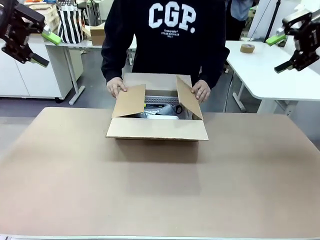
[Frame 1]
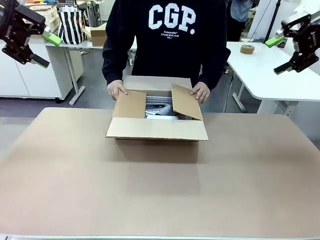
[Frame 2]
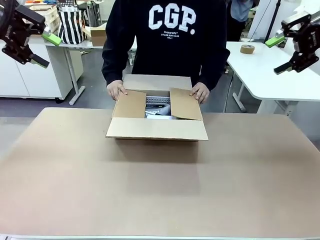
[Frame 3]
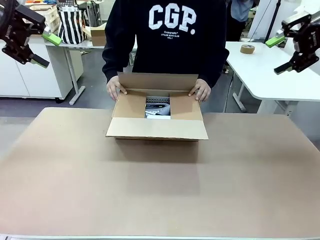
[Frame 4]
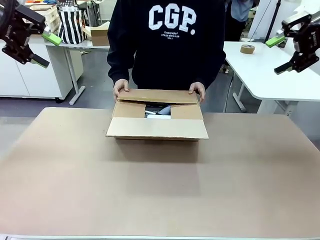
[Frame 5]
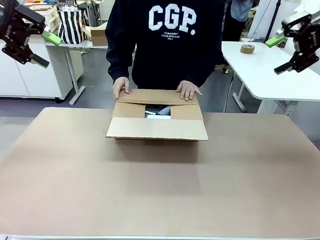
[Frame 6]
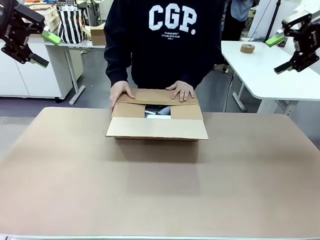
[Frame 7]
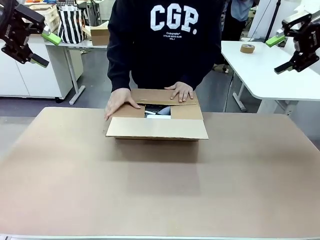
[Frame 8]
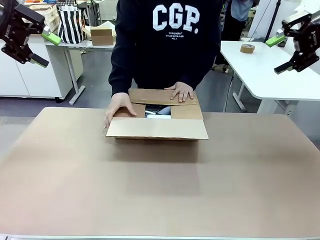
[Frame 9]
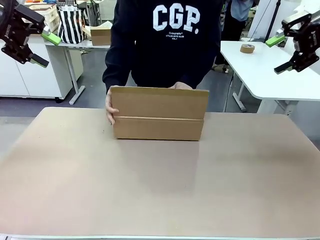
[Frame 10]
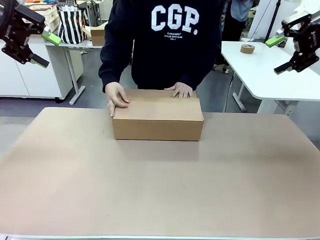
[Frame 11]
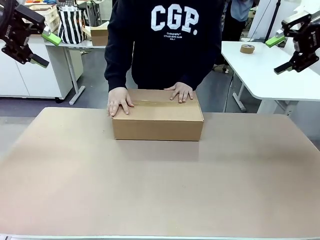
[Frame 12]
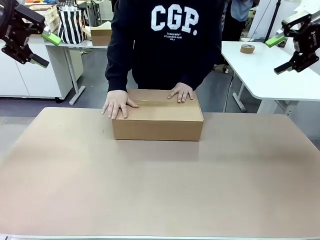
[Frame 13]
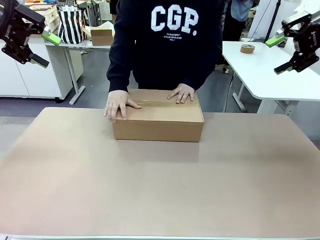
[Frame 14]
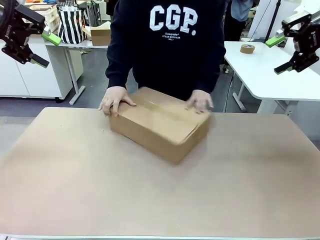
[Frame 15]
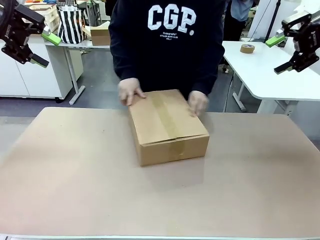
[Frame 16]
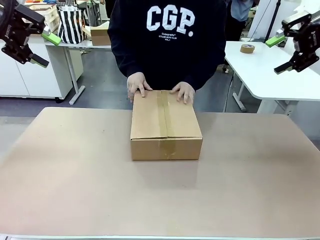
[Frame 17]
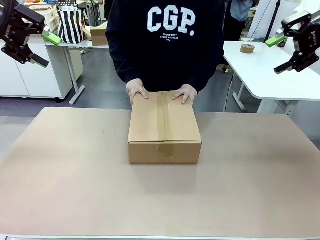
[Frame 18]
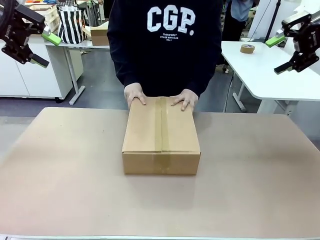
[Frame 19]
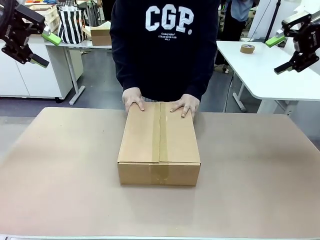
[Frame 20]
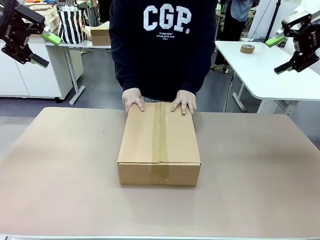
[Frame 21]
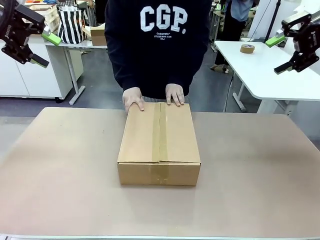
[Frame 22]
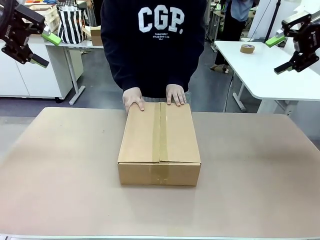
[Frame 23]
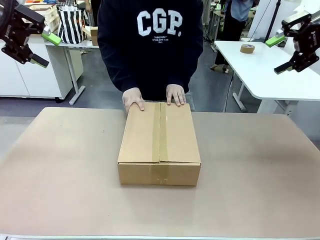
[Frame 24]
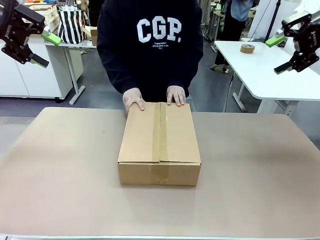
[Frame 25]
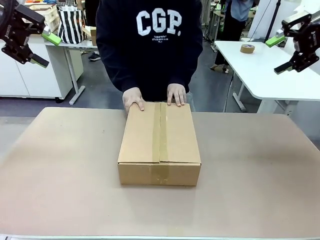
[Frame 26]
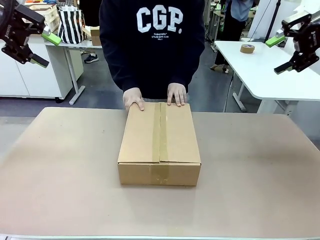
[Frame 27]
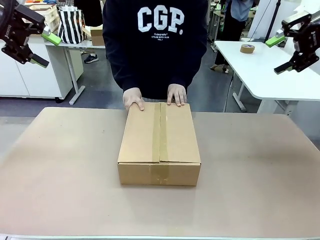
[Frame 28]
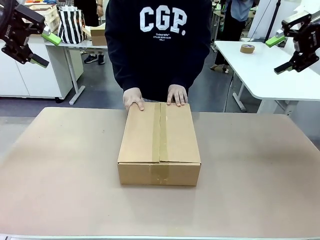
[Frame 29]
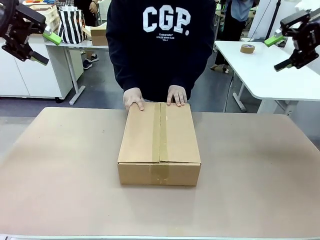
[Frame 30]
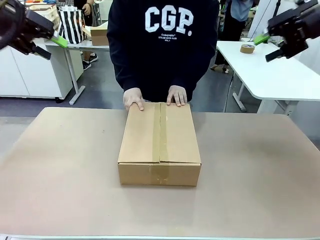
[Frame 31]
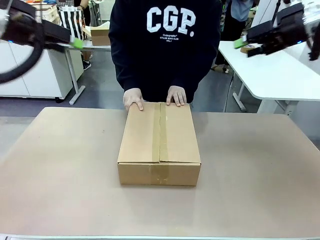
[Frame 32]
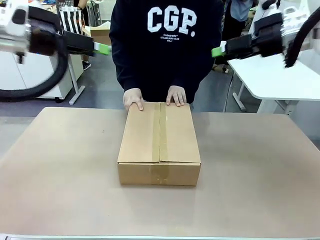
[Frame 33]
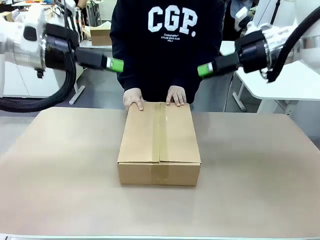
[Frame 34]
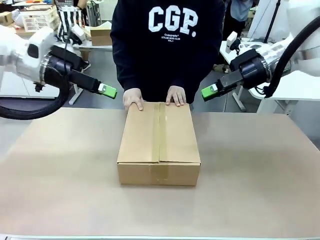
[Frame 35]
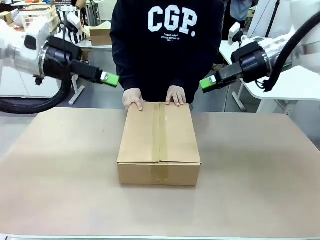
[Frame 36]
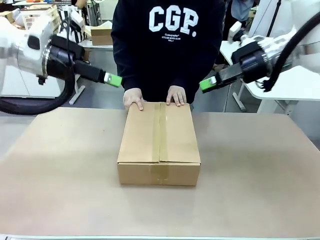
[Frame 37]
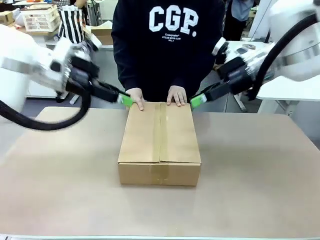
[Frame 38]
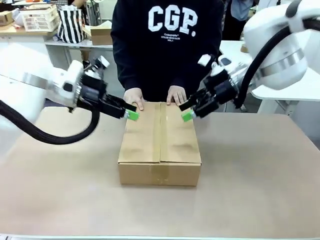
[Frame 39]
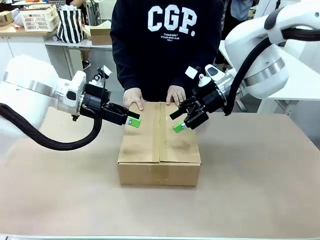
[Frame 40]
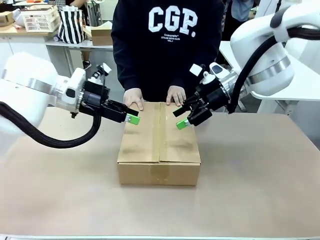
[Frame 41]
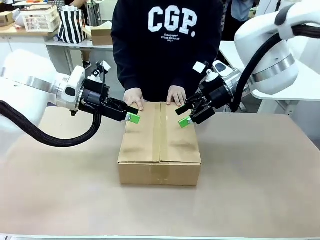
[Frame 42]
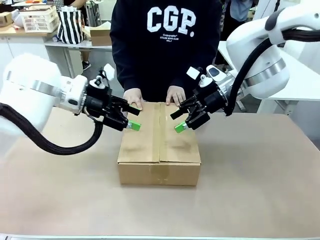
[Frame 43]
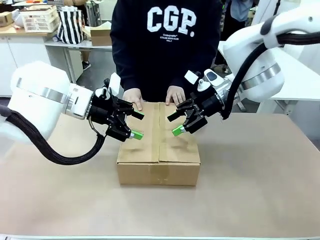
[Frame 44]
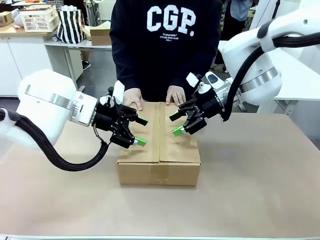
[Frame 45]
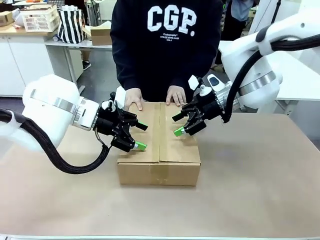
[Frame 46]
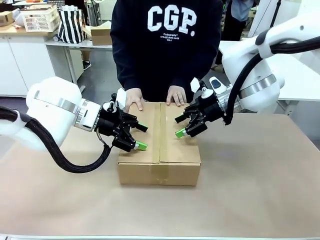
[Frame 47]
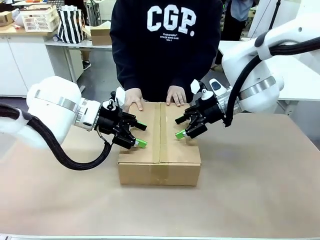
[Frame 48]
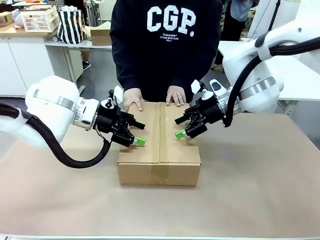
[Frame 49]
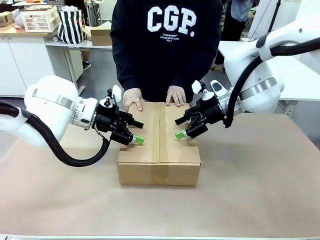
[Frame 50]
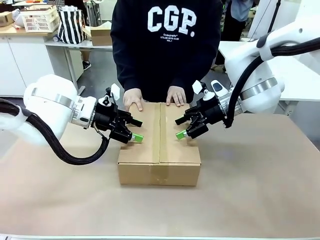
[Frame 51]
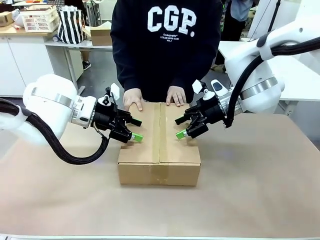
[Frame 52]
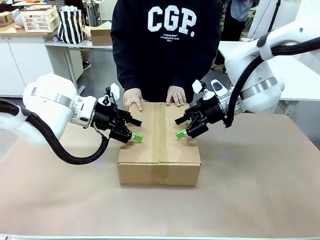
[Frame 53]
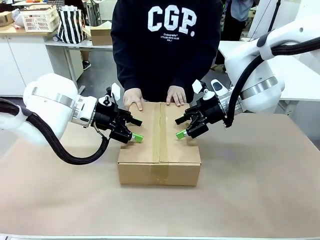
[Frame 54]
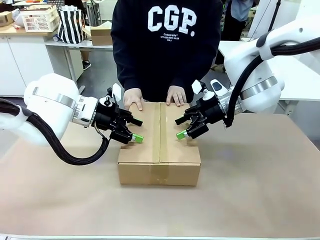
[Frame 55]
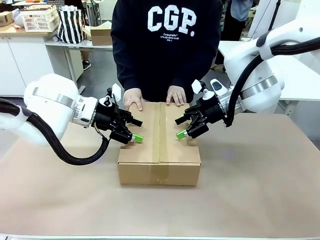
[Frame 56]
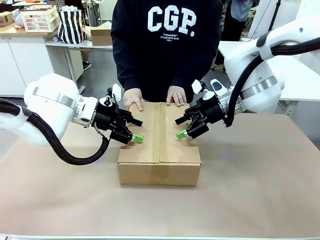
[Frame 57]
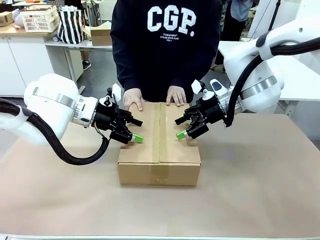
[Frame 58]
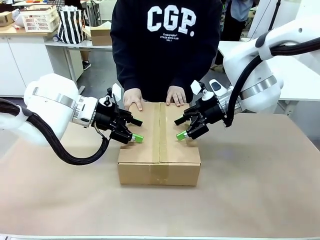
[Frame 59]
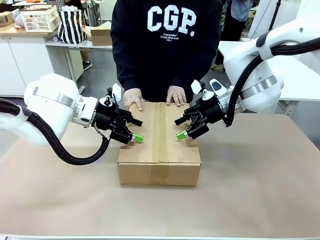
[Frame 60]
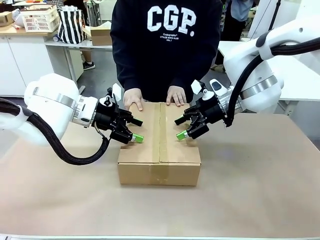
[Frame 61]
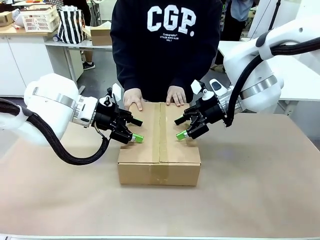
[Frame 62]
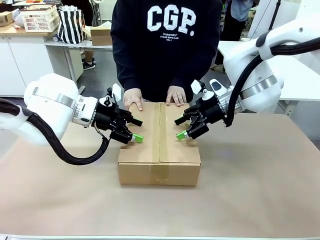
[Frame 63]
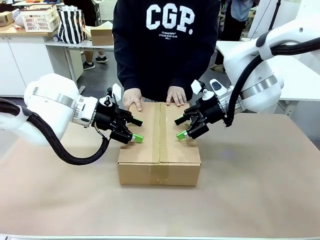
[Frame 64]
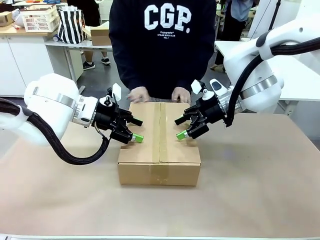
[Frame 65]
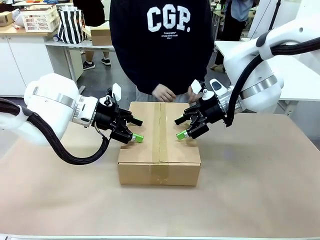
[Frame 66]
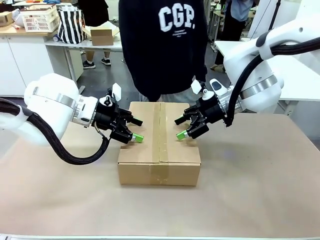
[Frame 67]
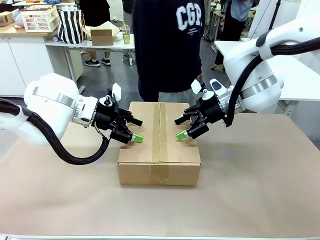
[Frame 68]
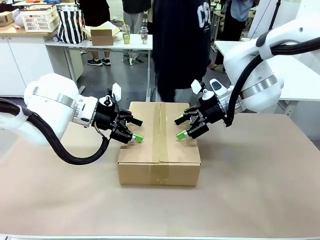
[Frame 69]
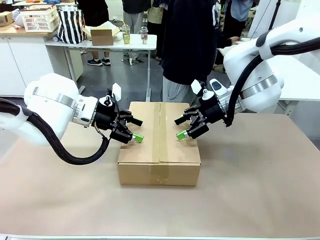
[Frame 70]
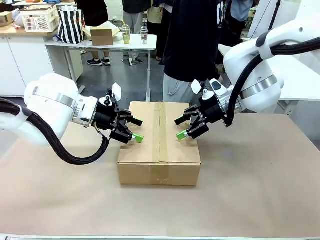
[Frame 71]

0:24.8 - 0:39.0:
Task: Pack the gift set into the box.
Robot: Press and hold the closed box until the human finishes sealing it.
Person: The human closes the box and rotates the box by 90 degrees.
